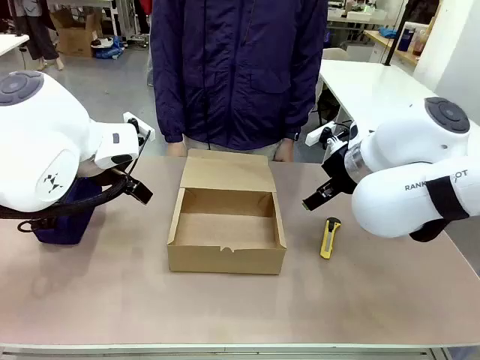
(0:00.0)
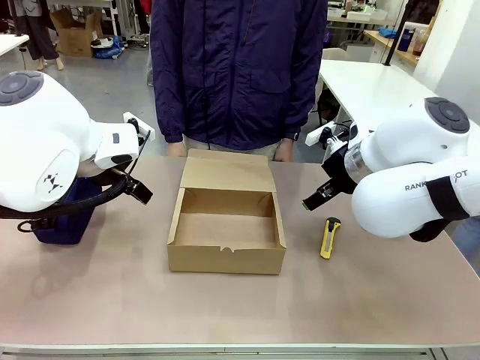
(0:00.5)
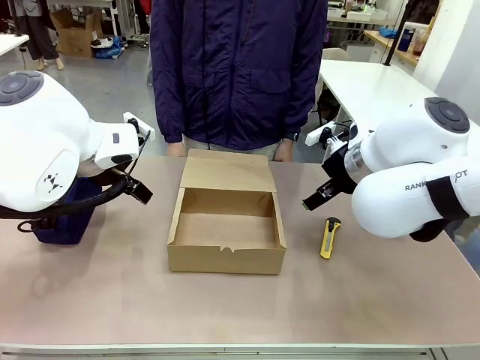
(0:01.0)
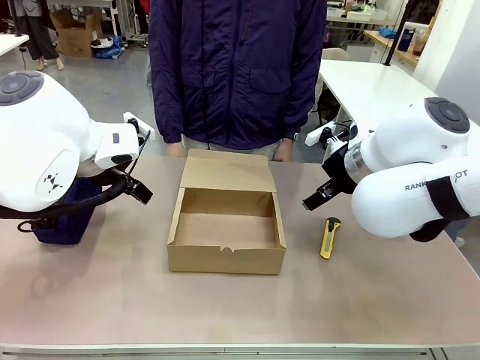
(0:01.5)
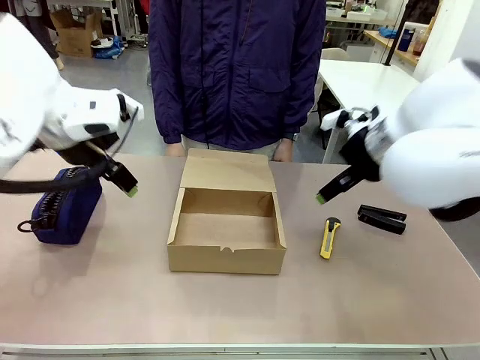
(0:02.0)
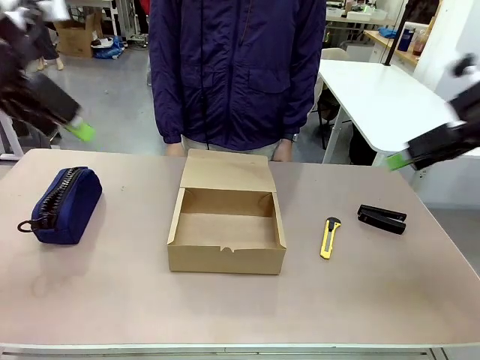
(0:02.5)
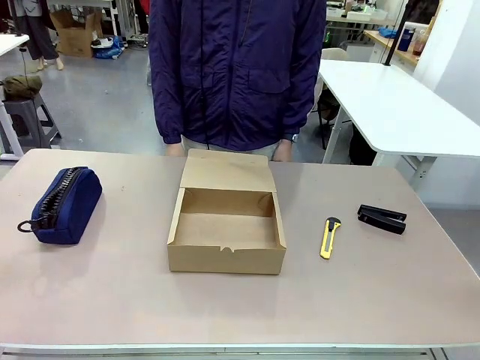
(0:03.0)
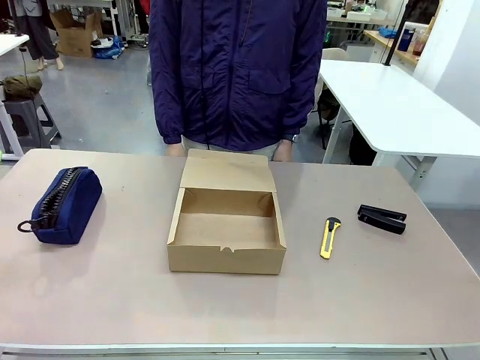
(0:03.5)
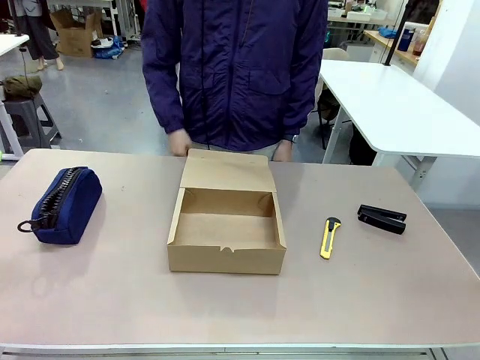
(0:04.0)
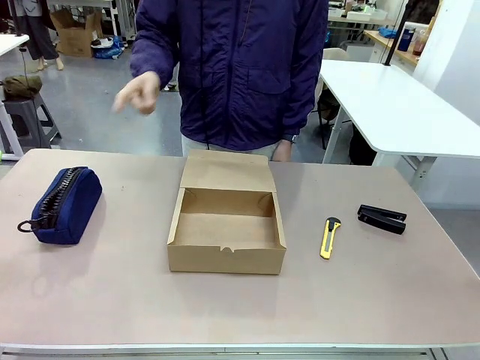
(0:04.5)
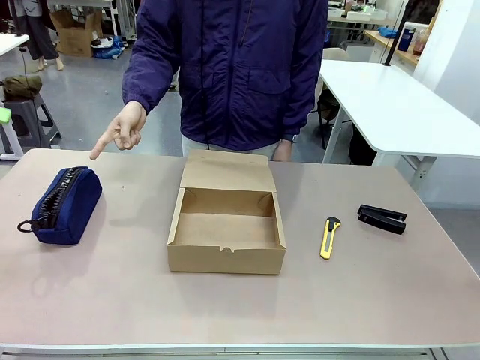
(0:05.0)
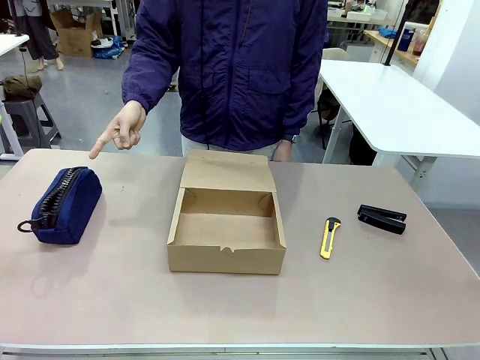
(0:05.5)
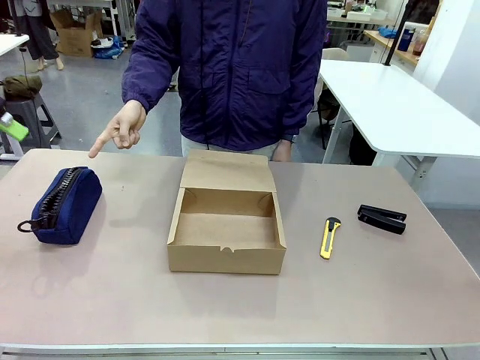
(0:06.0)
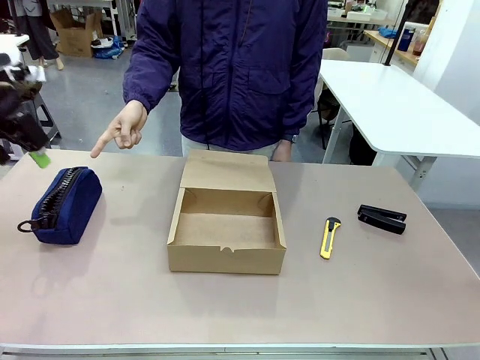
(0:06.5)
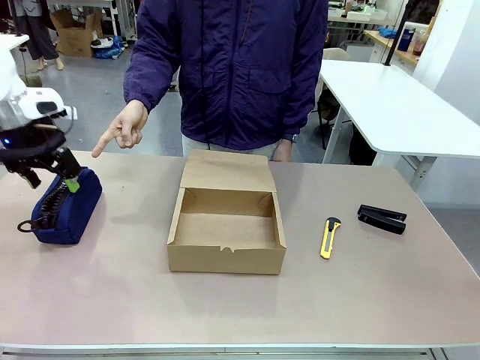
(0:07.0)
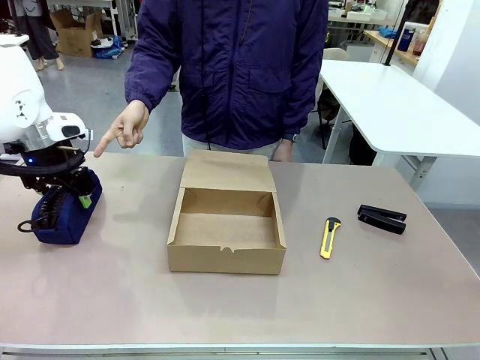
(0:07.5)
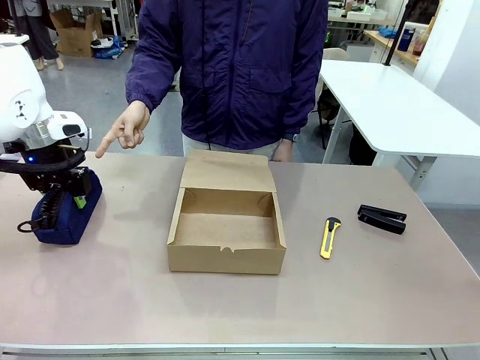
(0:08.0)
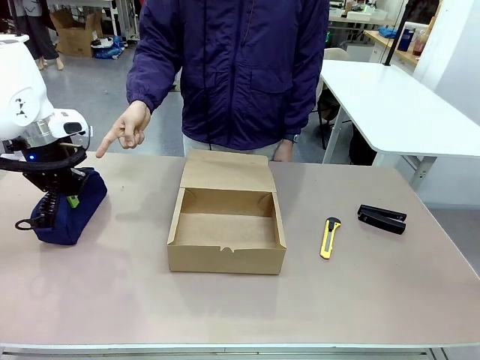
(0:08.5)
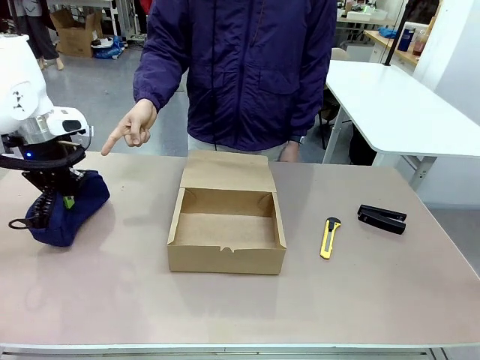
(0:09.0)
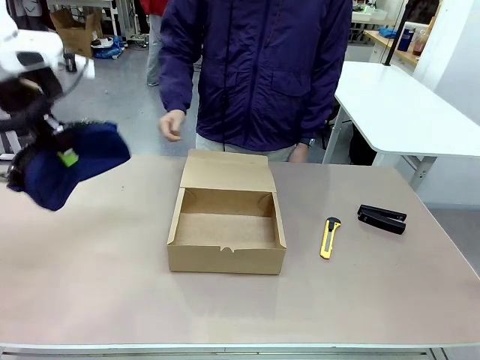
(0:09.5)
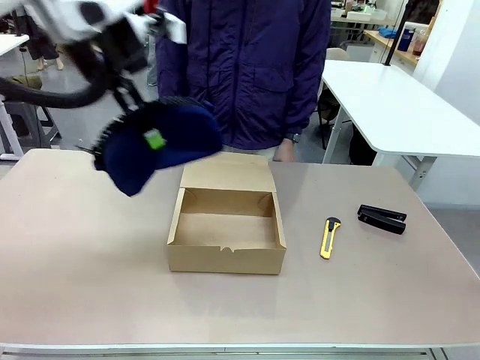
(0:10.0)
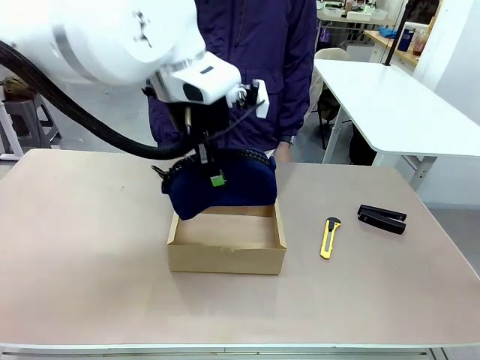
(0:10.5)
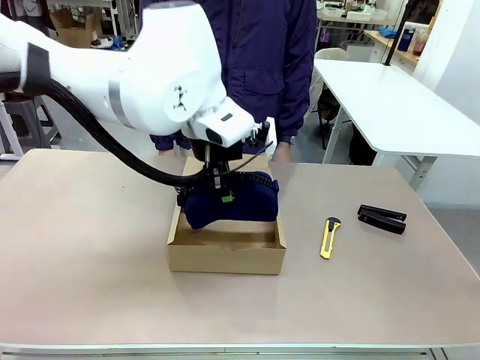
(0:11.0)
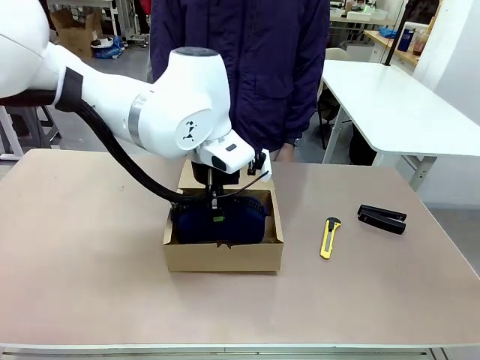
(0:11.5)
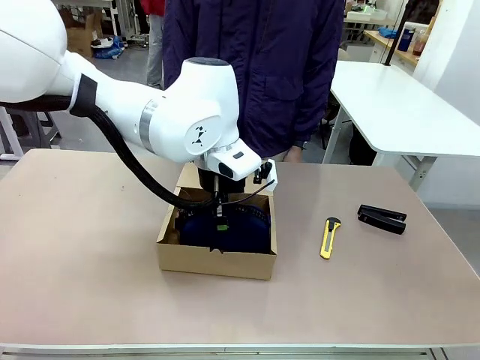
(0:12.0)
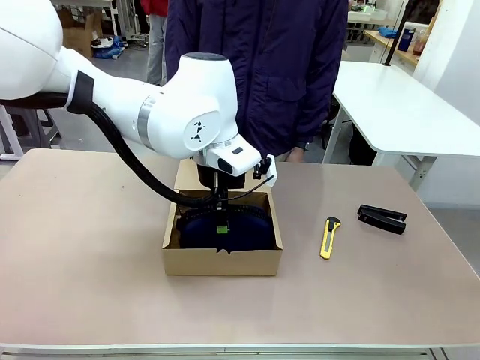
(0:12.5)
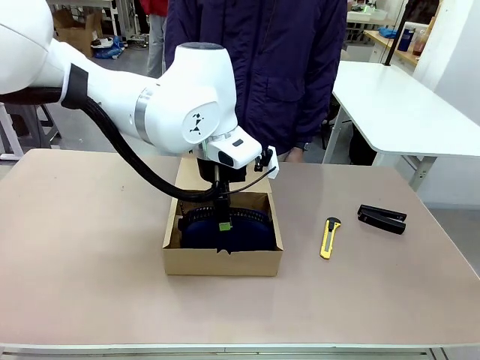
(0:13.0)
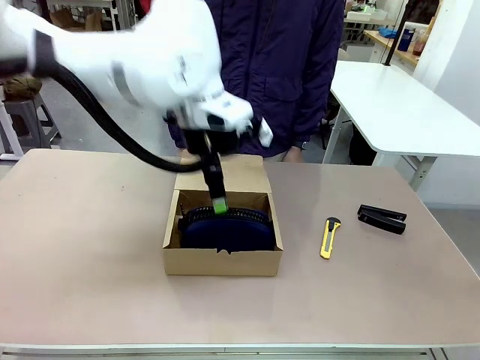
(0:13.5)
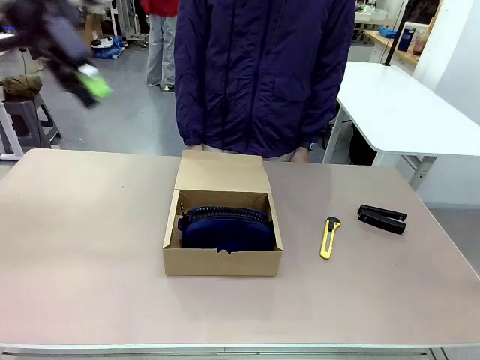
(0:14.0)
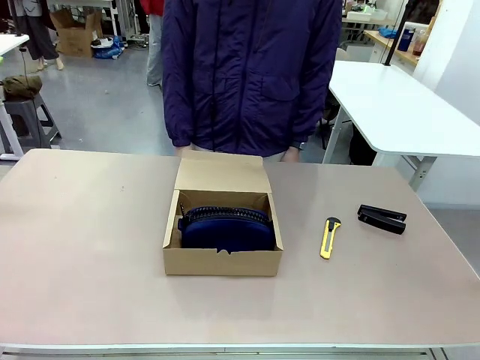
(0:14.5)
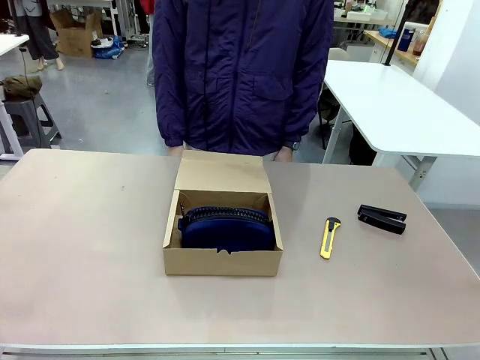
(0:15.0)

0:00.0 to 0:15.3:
Task: Pack the item into the box.
Robot: Pick up the item indicated by the person and place it inside the Mailer Box.
Person: Point at one item on the table (excluding the box).

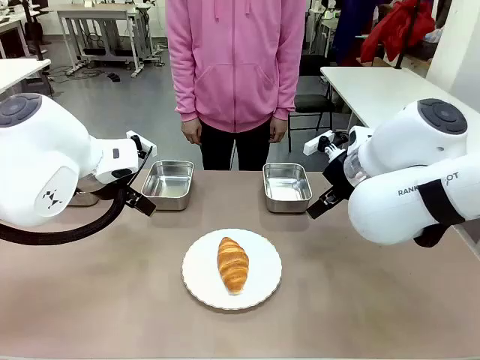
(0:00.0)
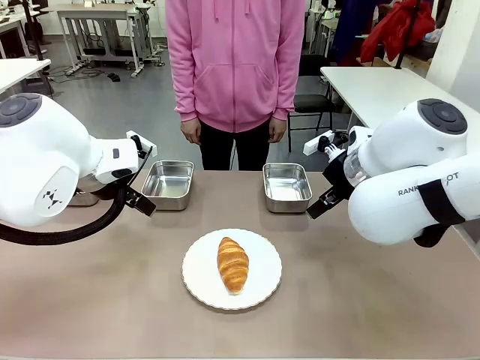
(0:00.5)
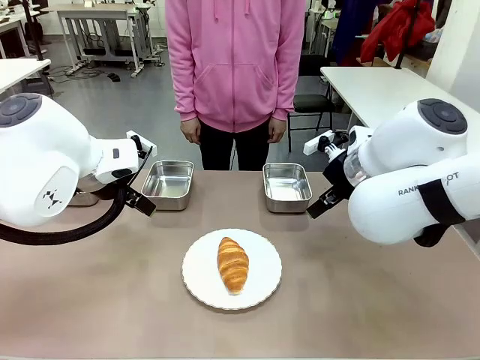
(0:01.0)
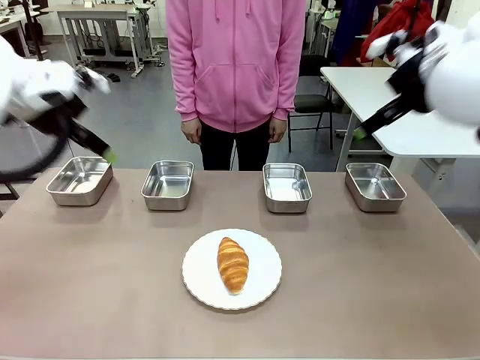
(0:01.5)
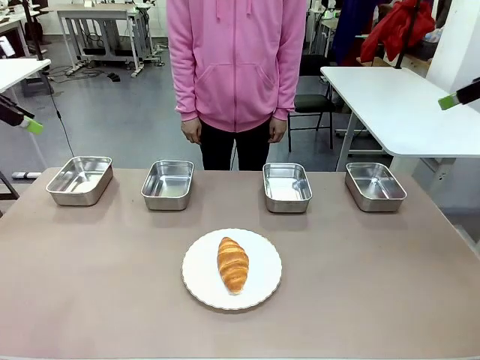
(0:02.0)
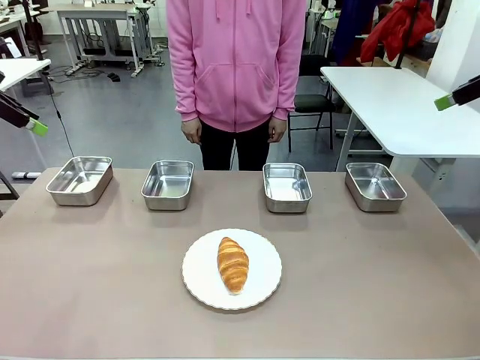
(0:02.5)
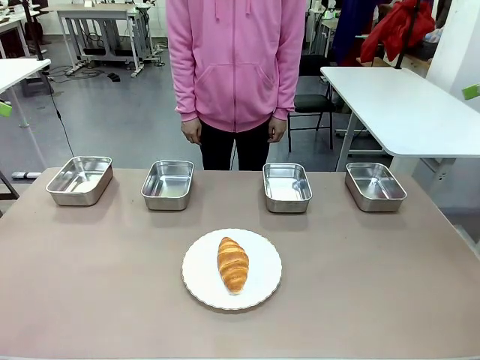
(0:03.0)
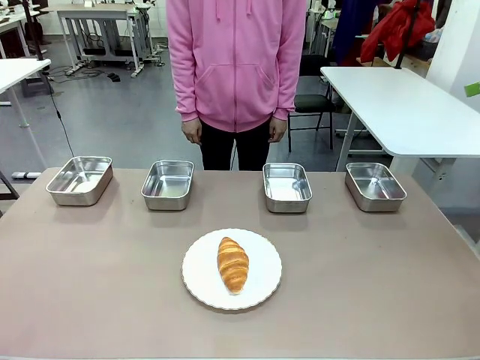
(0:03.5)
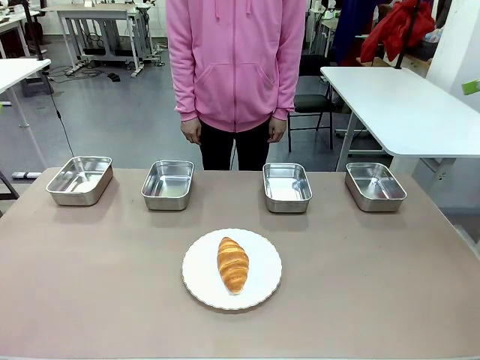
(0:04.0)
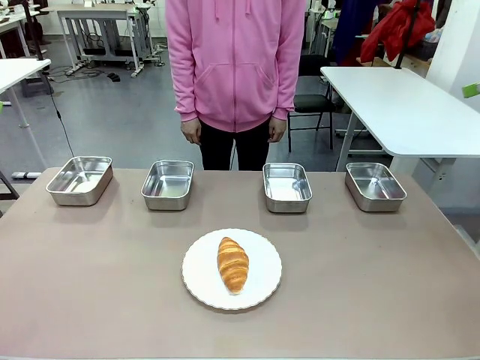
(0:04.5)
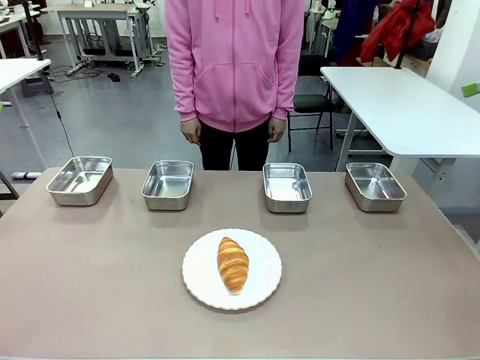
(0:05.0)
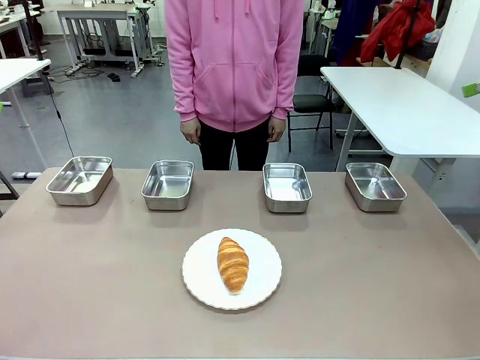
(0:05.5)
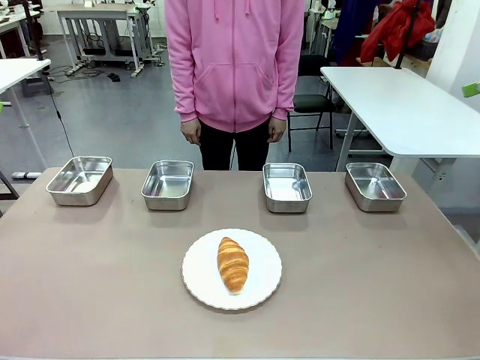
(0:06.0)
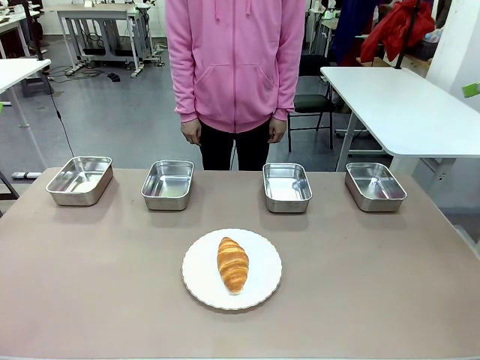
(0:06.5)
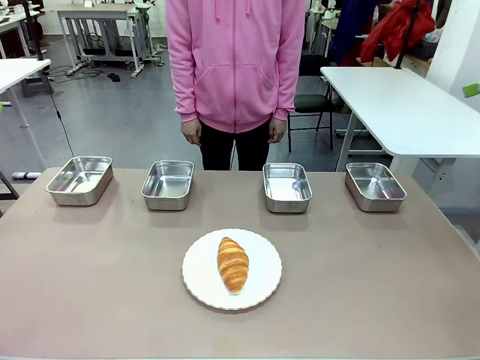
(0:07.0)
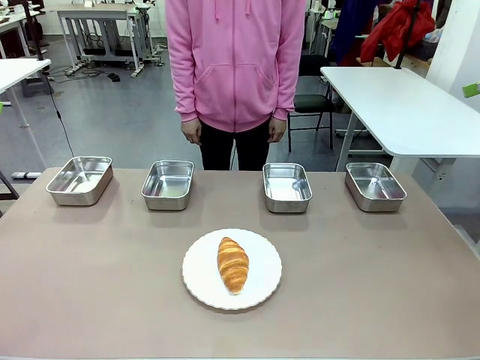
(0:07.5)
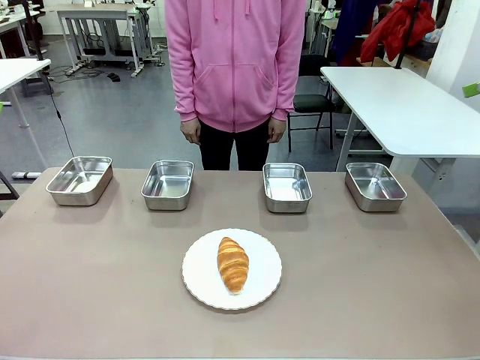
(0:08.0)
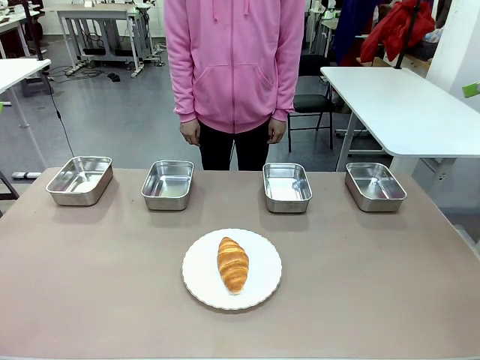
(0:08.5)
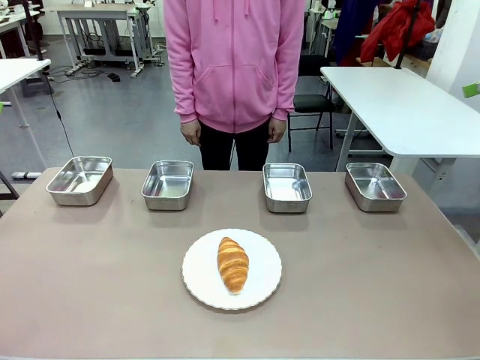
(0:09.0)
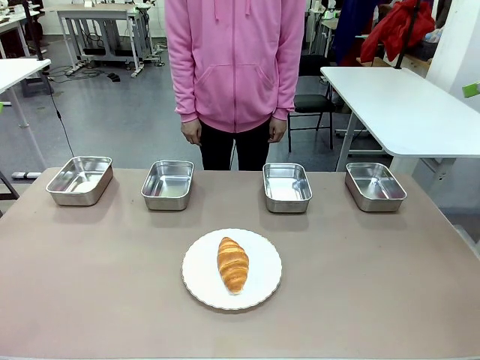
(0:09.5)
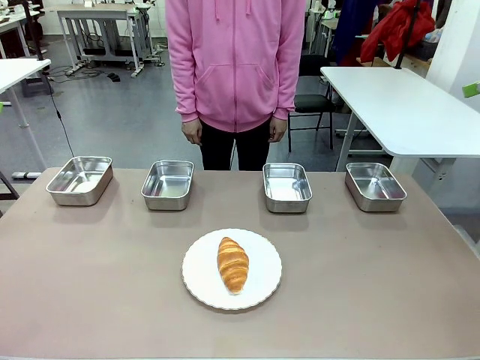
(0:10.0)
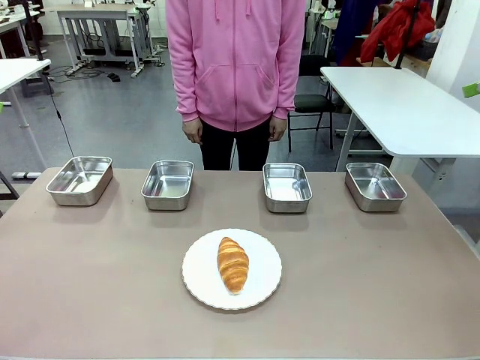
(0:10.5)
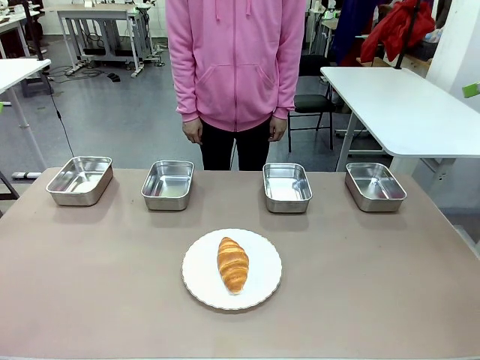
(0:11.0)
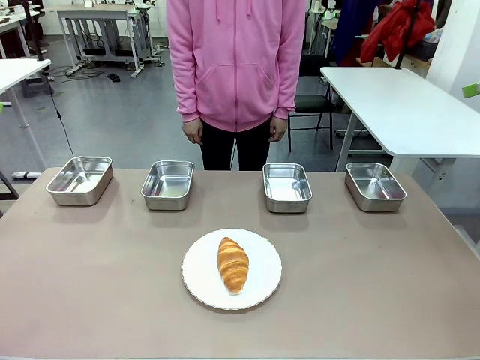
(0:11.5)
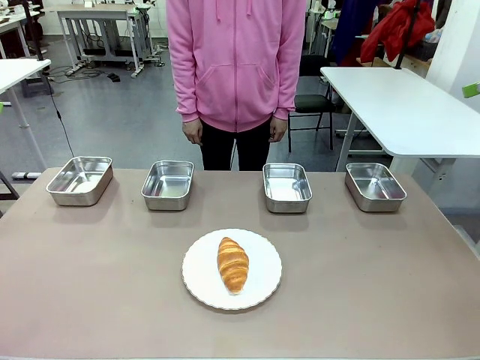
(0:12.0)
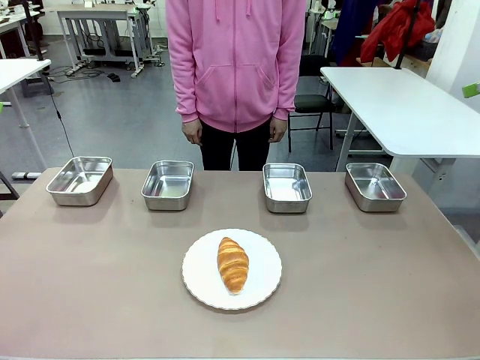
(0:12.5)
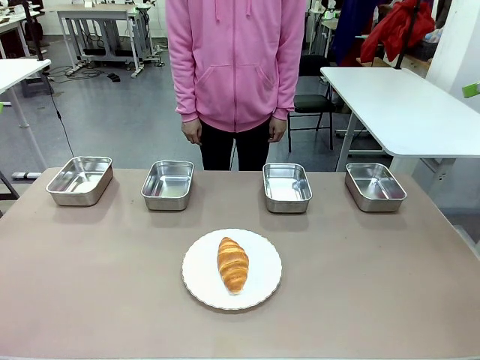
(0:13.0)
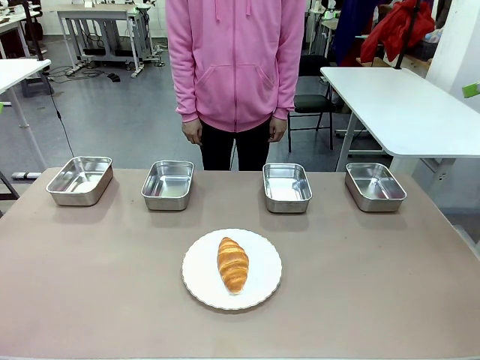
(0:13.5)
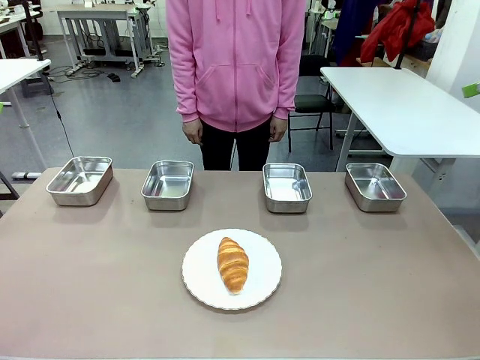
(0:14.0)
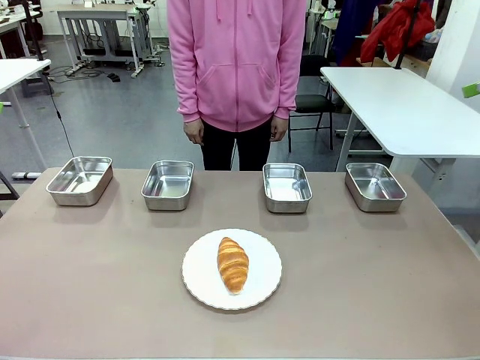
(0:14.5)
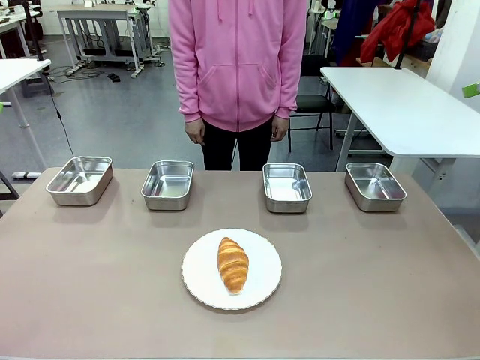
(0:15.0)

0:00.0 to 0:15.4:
Task: Place the bread in the container.
Robot: Place the Butter Roll into the Airtight Container indicated by the human.
